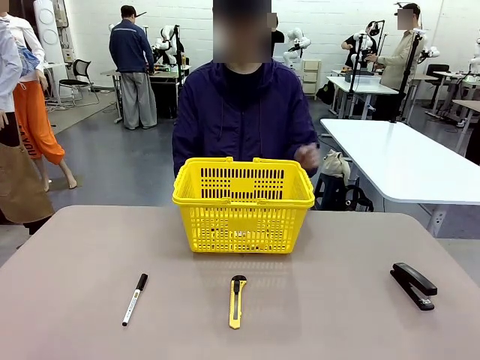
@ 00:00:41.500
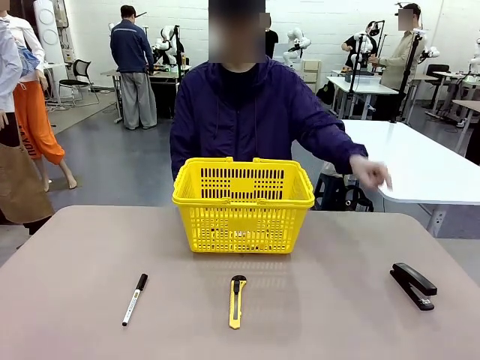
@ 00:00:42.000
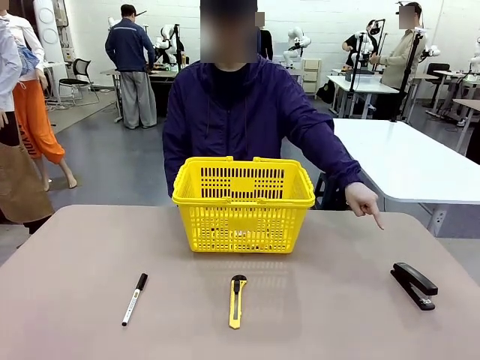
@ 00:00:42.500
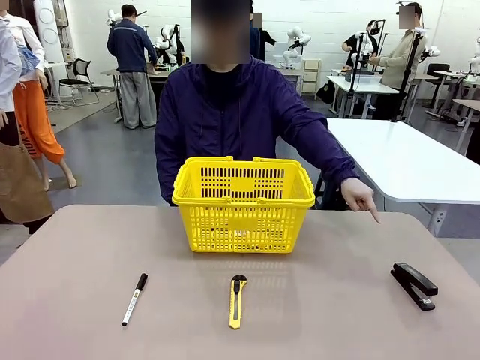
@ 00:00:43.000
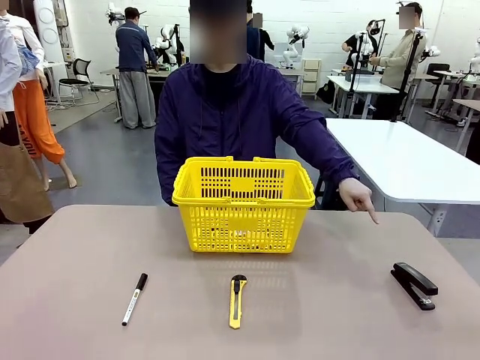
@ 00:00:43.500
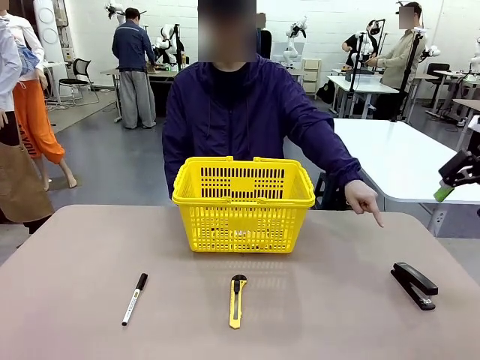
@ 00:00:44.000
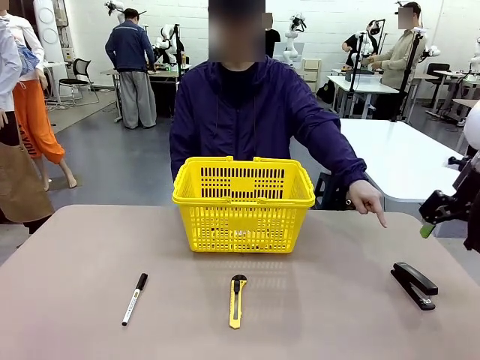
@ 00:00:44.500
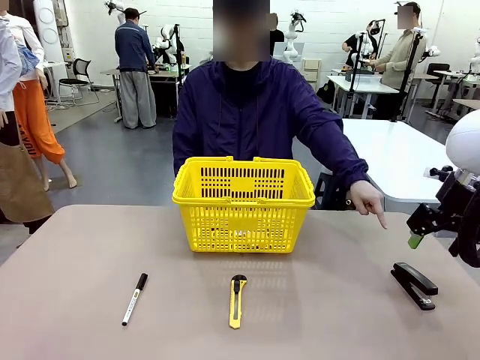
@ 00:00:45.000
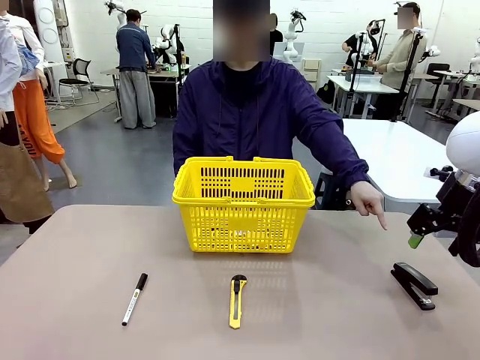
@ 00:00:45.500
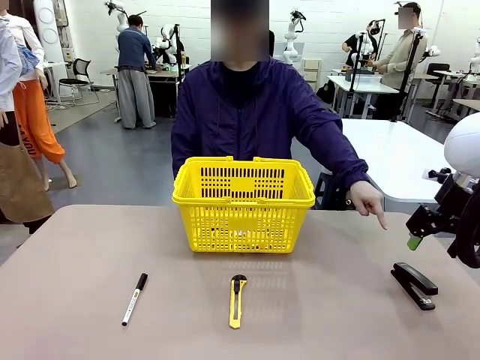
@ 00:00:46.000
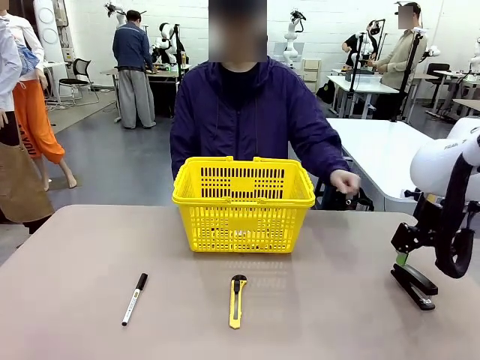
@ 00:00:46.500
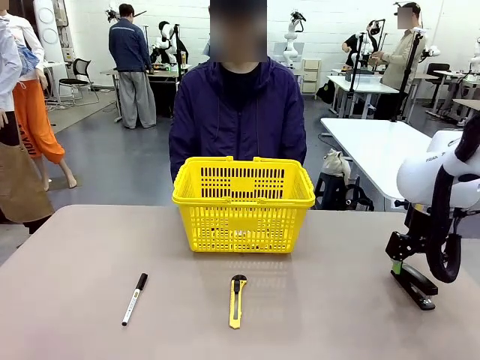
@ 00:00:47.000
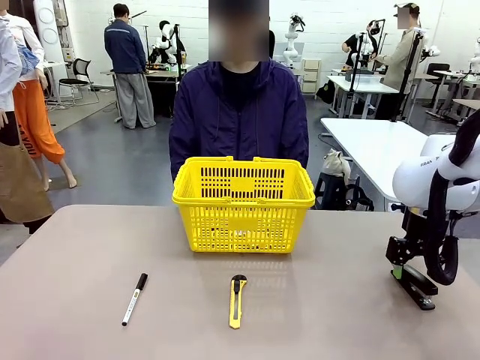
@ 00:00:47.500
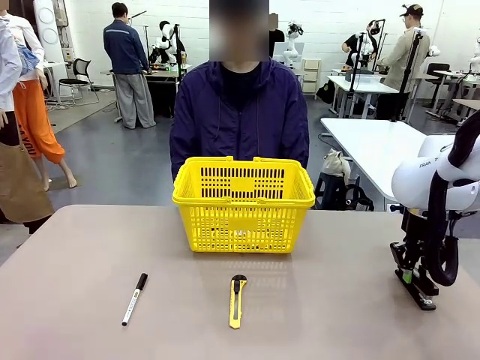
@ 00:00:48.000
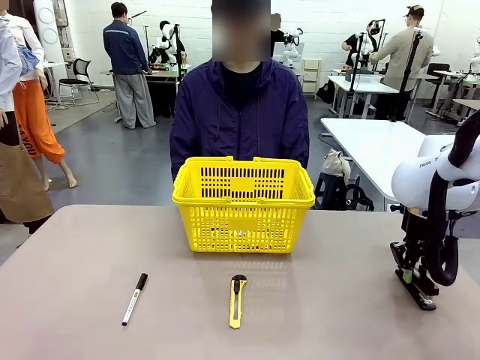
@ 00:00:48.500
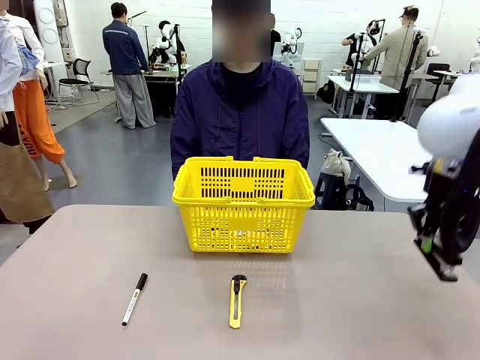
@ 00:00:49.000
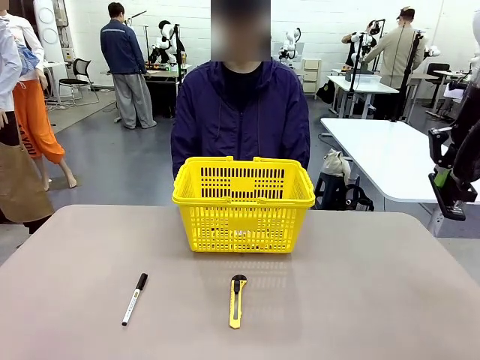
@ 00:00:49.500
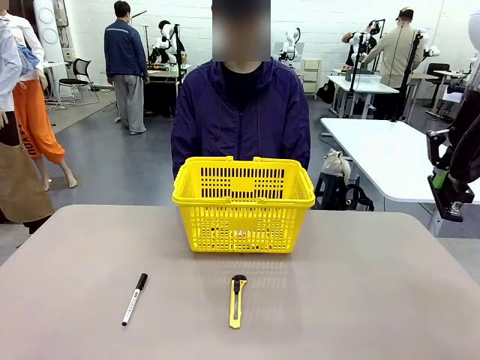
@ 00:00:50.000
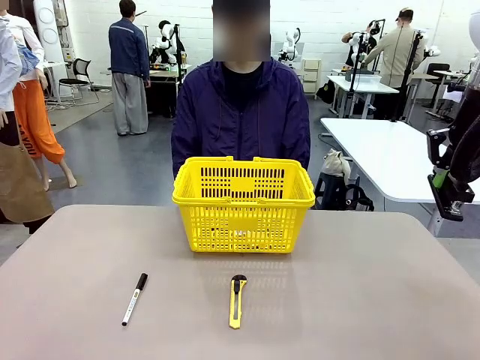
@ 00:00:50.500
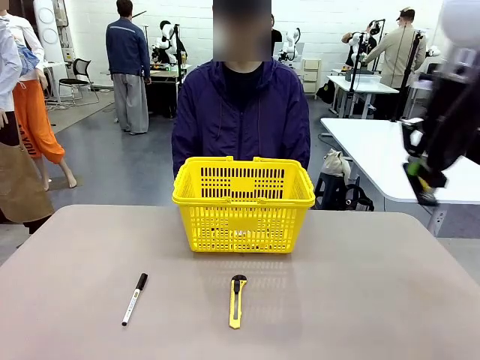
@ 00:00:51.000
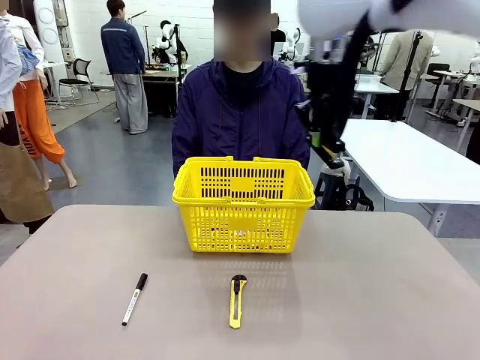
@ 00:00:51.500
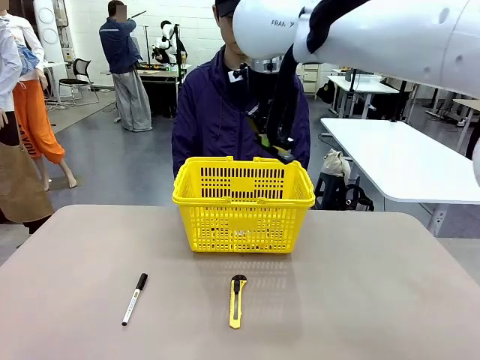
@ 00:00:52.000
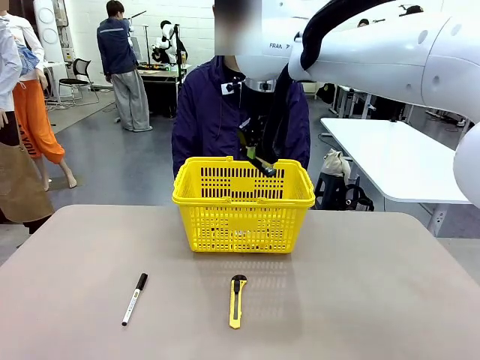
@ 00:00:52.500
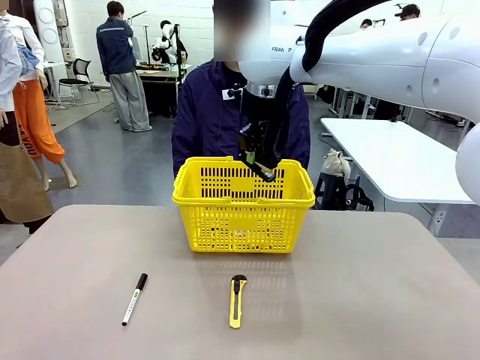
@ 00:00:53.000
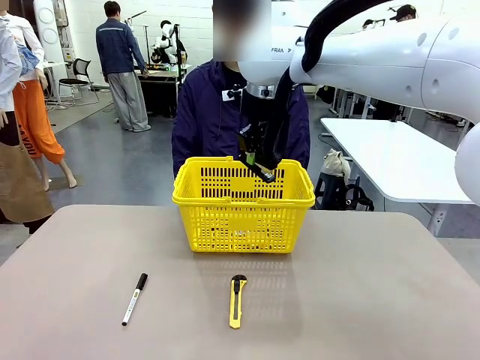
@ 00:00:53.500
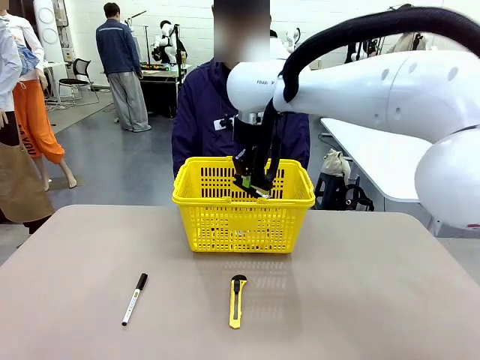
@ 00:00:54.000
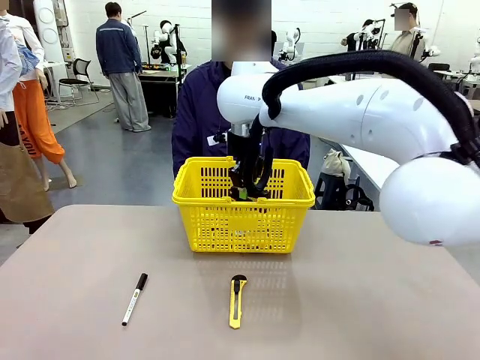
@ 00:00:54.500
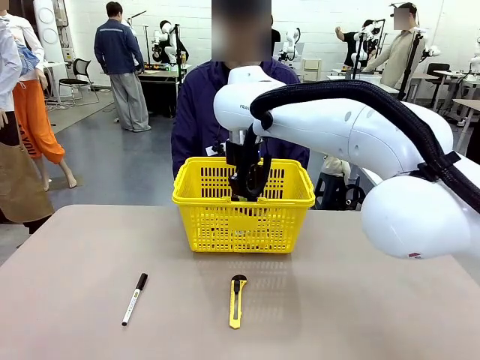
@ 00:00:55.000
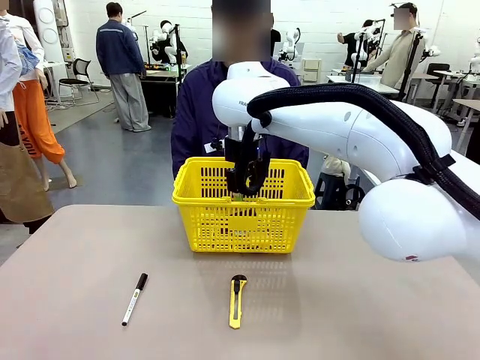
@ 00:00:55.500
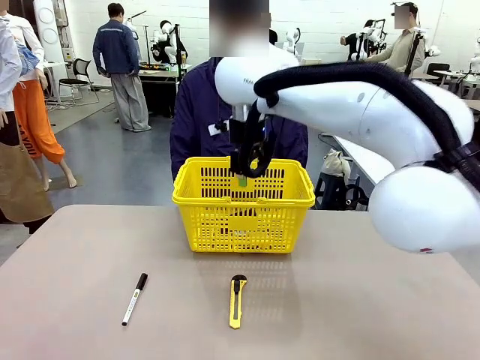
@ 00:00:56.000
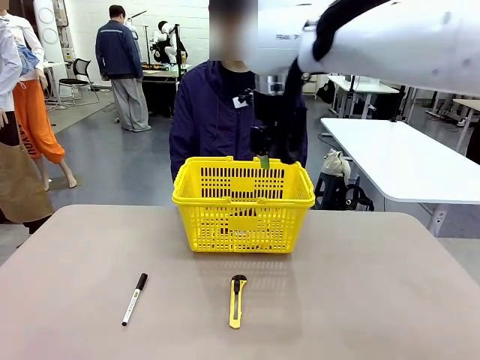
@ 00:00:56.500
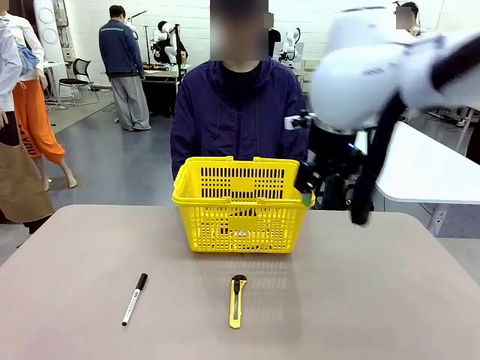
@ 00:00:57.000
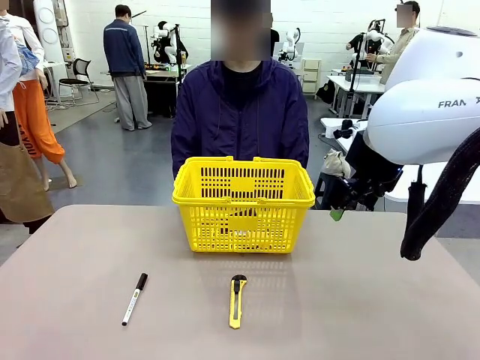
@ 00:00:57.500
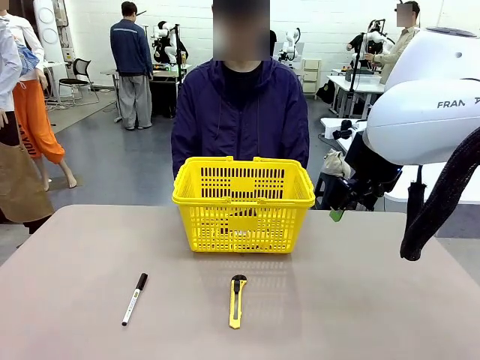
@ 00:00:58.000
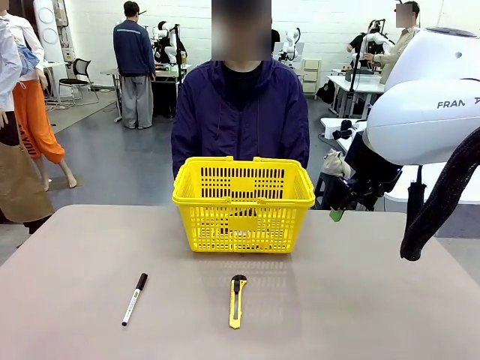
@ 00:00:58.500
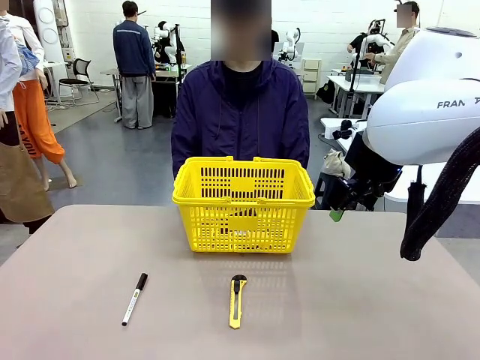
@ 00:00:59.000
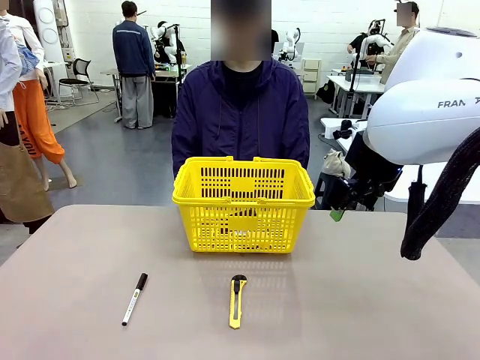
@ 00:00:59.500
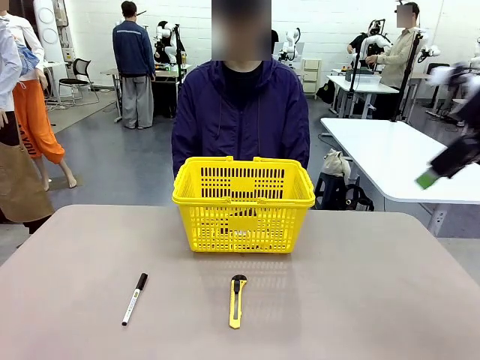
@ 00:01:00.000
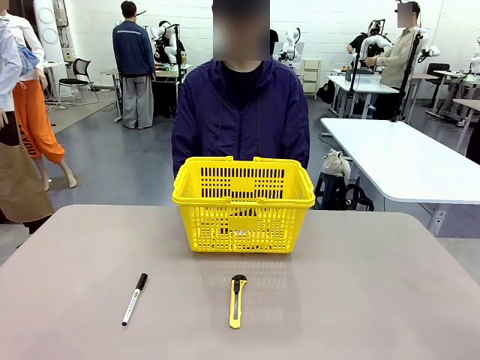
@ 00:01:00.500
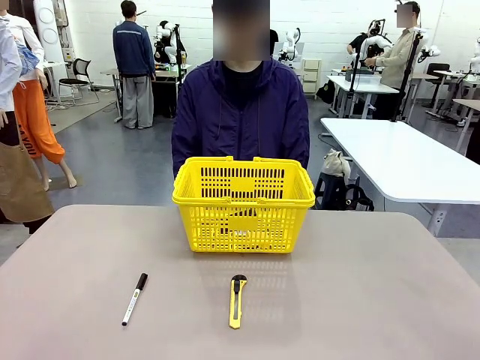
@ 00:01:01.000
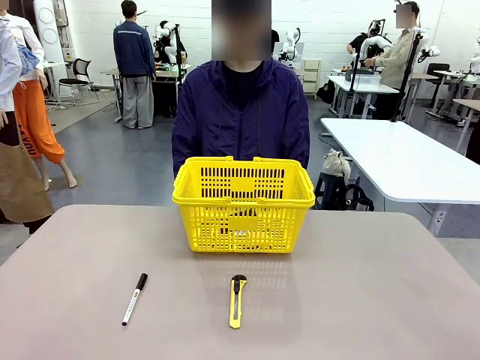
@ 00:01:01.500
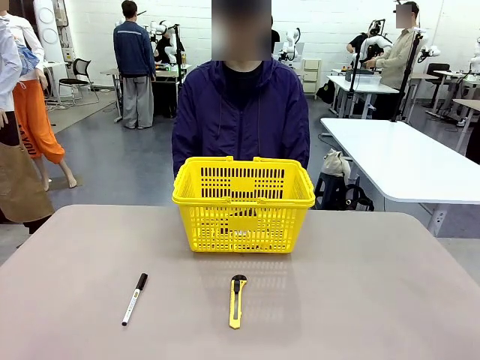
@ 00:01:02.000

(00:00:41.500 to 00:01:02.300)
Task: Place the items the person wants into the basket.
Robot: Pick up the item the person points to and place it in the Market Basket.
